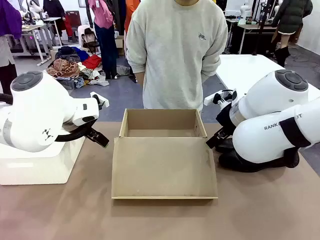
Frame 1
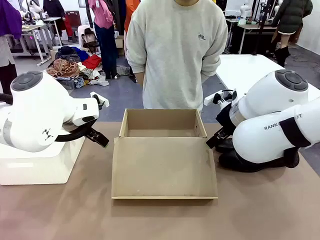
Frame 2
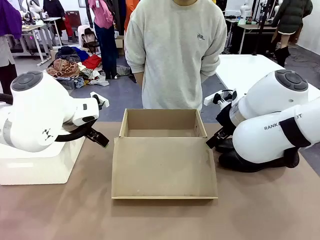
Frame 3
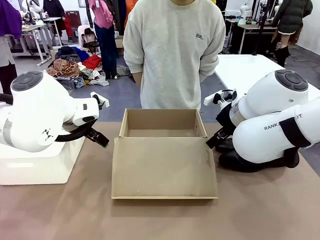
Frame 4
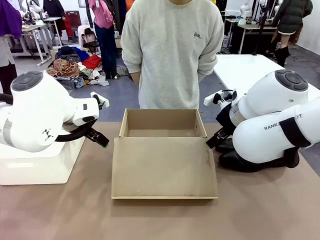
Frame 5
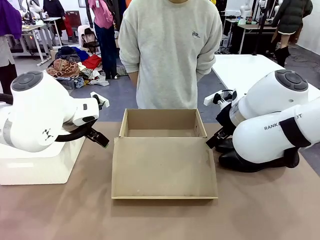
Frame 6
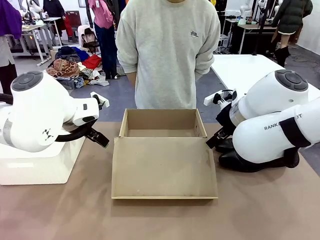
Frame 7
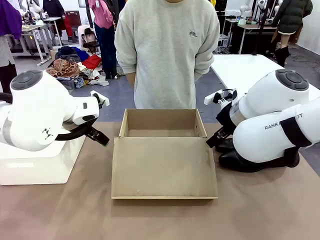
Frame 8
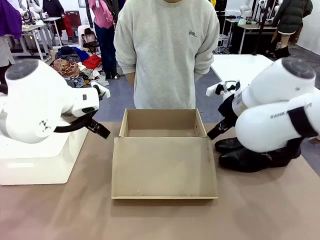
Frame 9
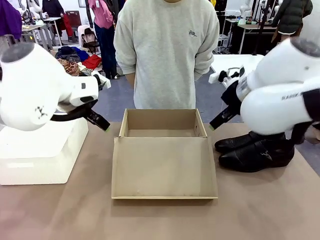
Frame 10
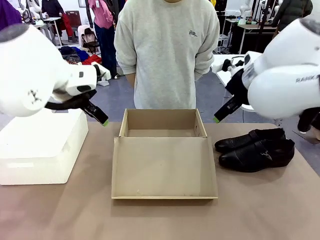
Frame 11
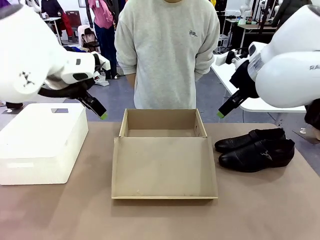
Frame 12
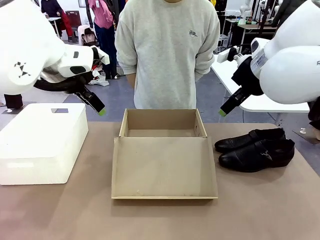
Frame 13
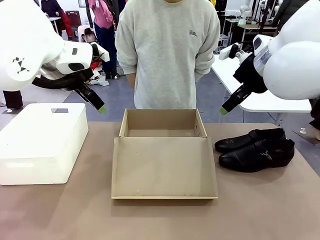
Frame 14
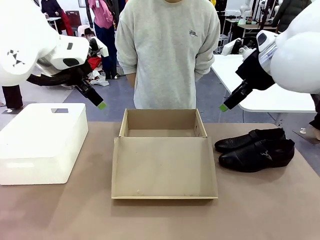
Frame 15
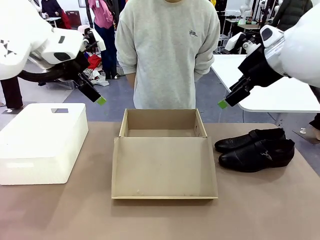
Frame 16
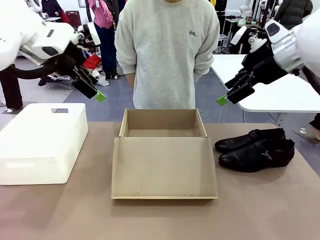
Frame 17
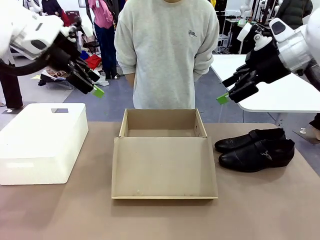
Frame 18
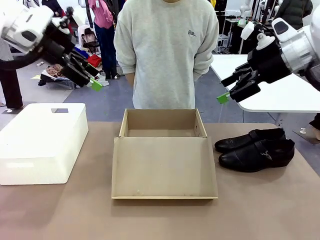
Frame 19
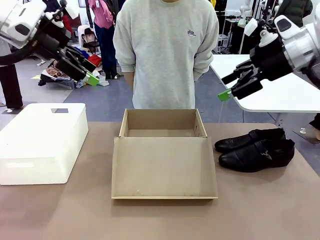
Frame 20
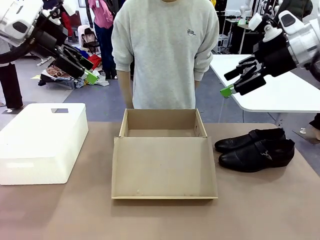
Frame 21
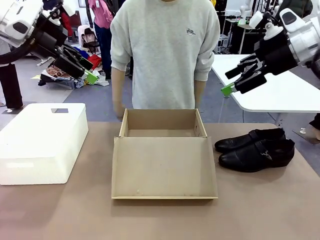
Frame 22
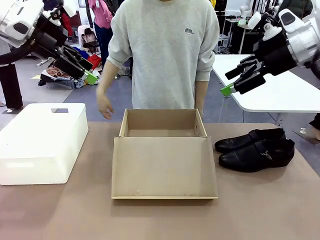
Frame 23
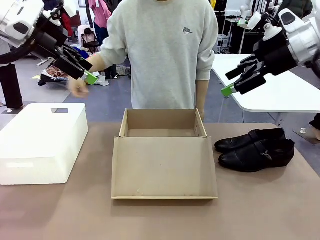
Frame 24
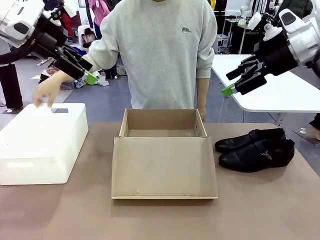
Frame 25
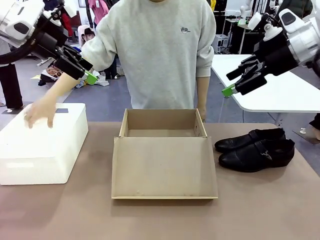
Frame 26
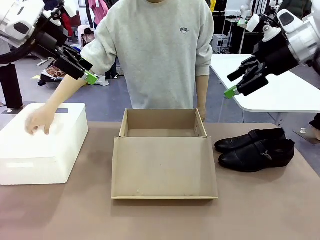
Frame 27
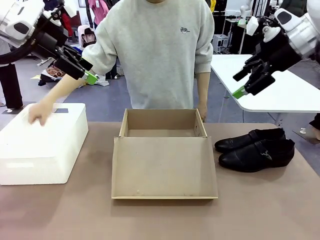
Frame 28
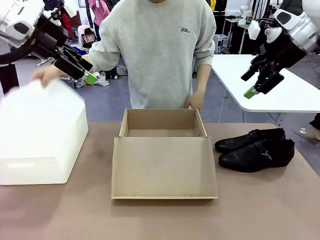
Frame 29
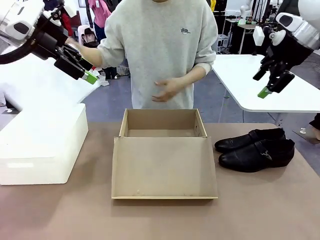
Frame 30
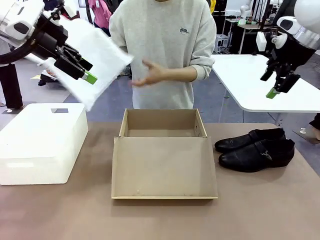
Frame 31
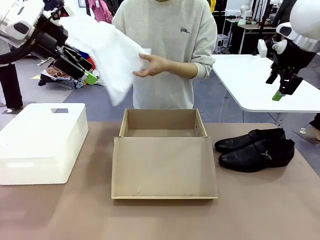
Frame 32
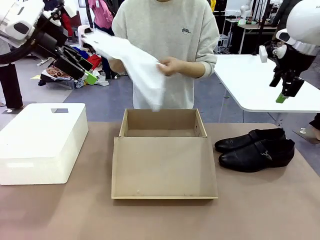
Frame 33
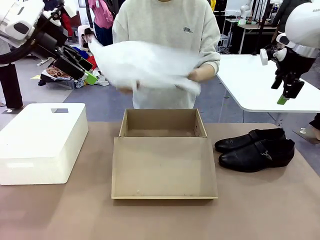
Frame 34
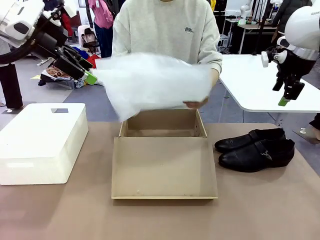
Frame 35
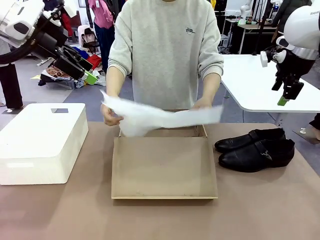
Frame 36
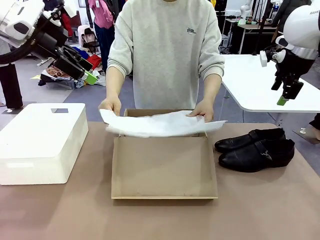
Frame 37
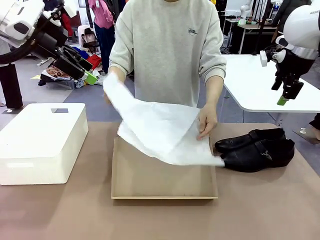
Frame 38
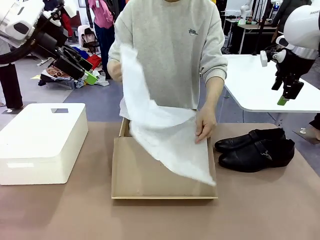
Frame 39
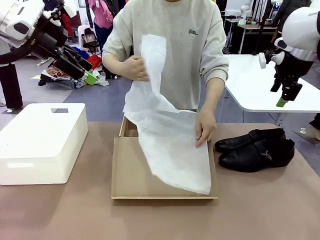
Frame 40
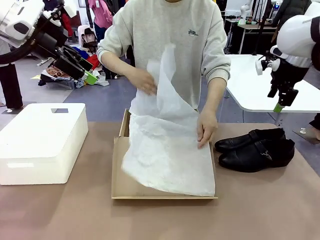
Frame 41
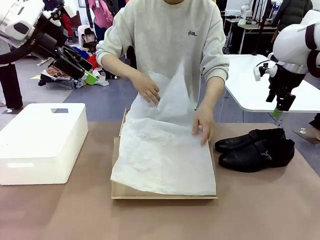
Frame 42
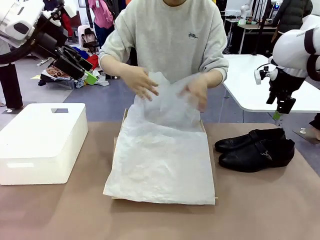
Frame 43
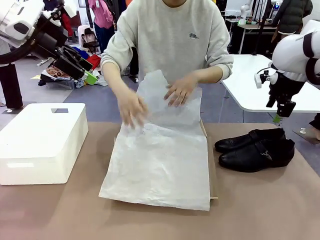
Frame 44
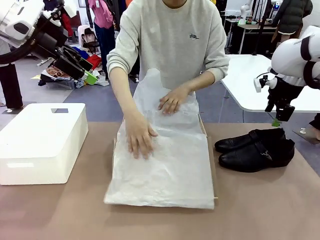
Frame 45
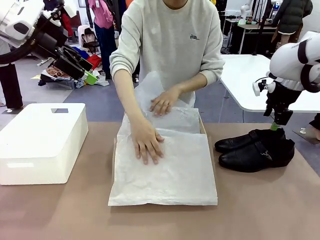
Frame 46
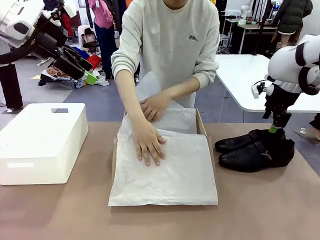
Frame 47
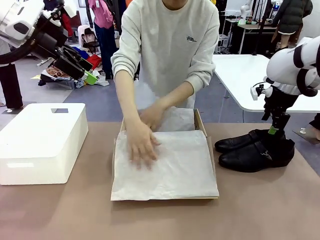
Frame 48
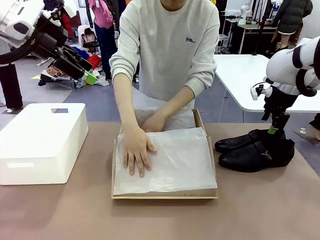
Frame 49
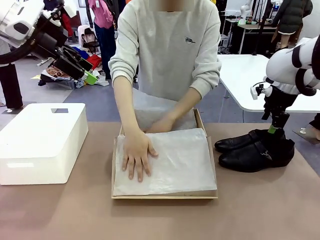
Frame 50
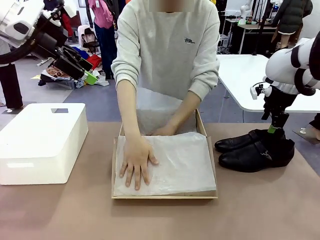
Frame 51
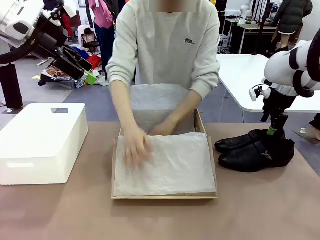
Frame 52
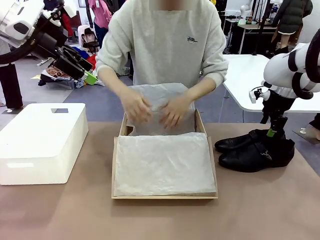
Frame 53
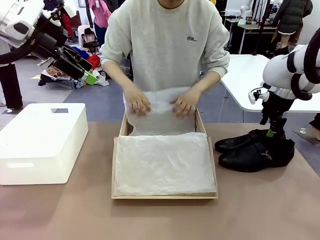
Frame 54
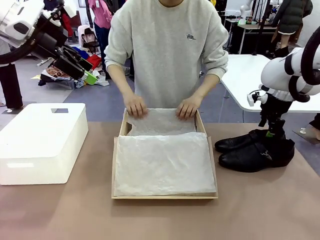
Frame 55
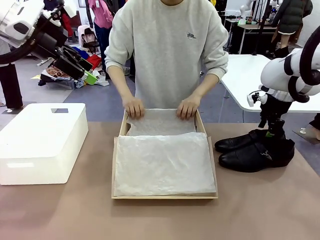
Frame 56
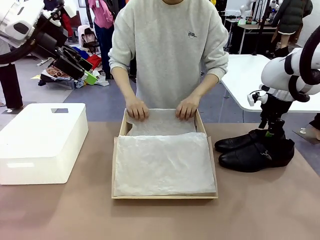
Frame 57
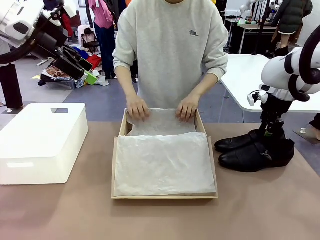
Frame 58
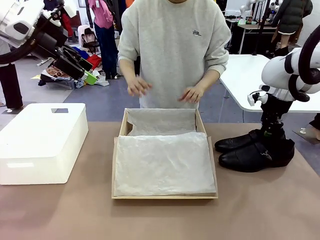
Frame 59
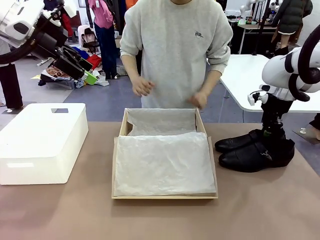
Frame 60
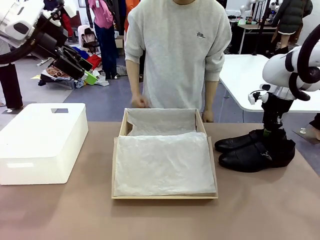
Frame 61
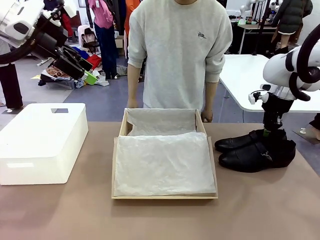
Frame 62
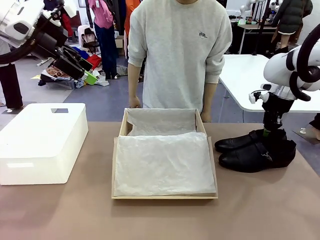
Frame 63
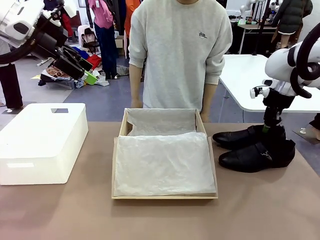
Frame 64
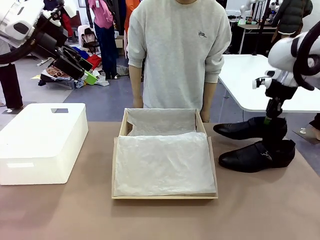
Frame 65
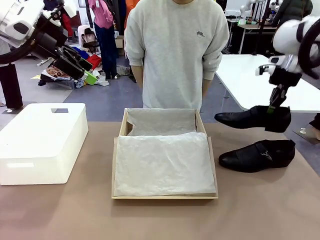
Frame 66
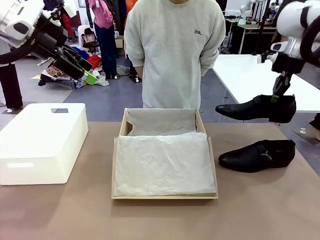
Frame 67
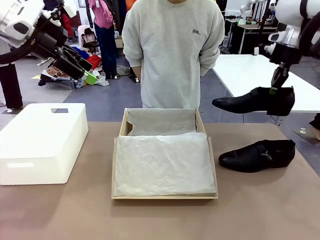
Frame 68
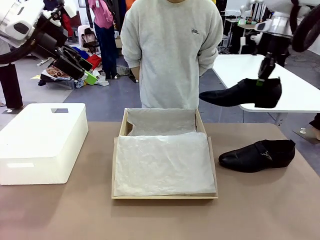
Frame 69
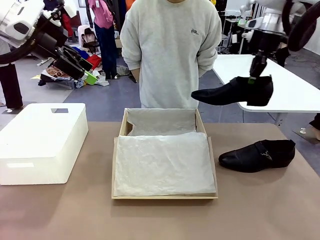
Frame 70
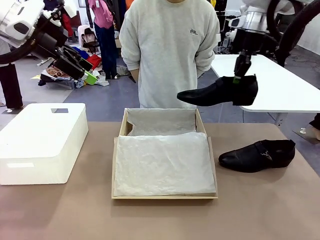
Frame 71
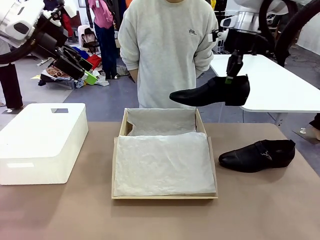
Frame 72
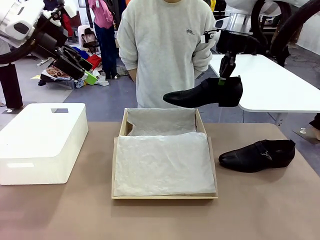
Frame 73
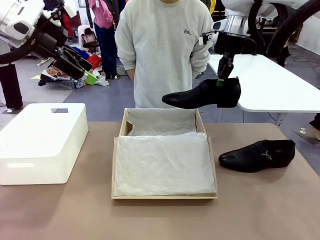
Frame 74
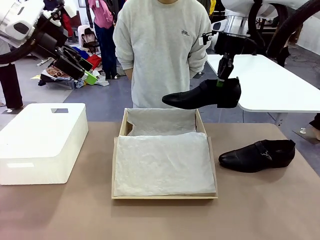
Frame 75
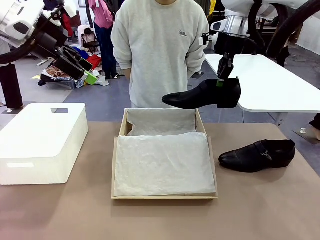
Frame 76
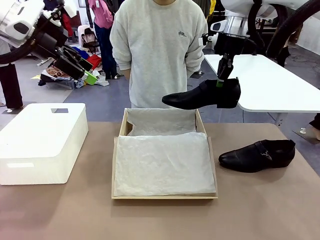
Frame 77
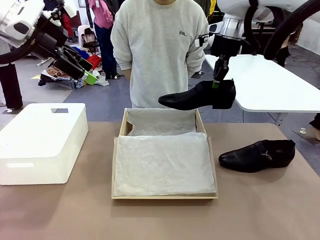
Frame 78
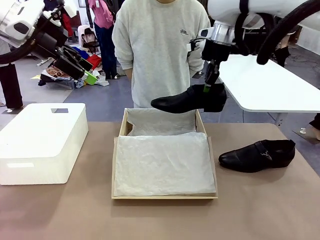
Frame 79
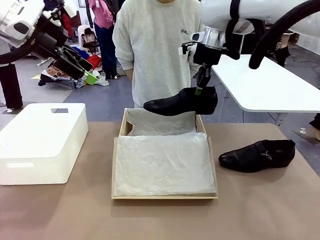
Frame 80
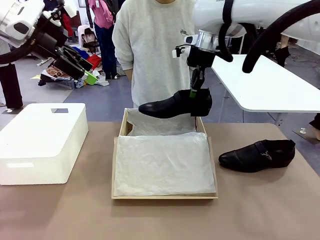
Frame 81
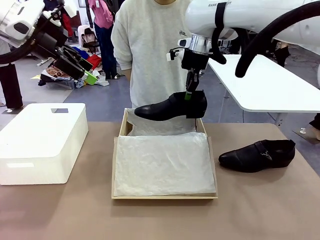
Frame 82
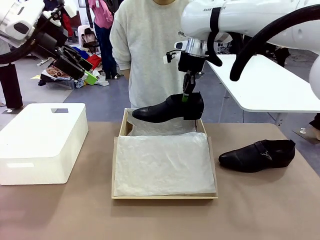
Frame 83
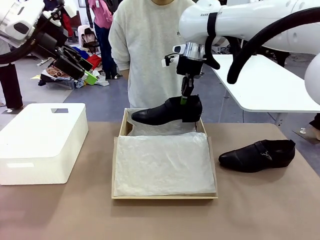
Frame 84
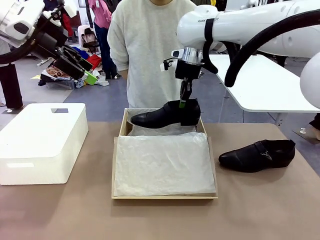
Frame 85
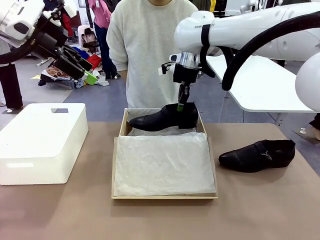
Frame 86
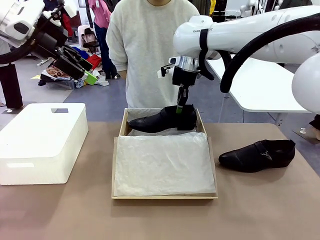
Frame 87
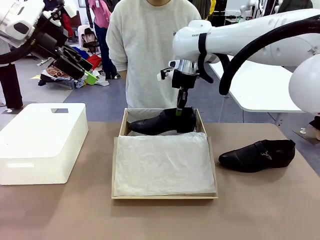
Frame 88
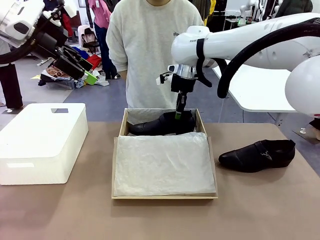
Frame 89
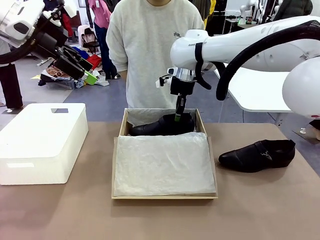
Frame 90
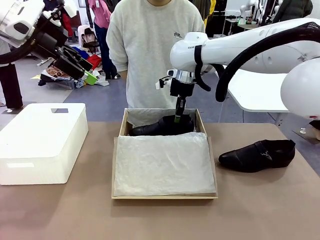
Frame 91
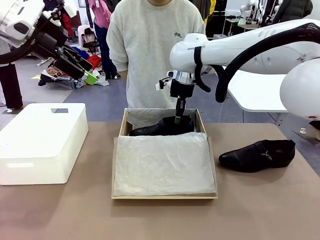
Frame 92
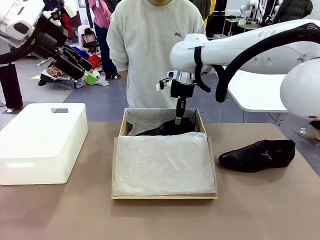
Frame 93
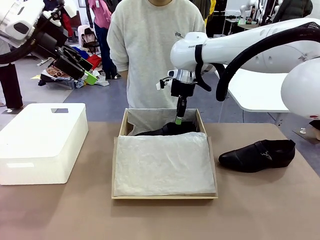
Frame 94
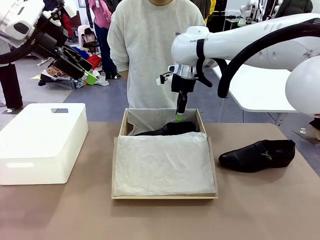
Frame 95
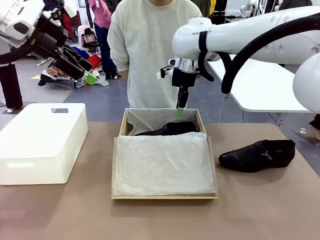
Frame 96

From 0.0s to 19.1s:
Task: Pack the shoes into the box.
Robot: Place one shoe of the Shoes into the Shoes Box.
Person: Spread Shoes Wrapping Paper and place inside the Shoes Box.
